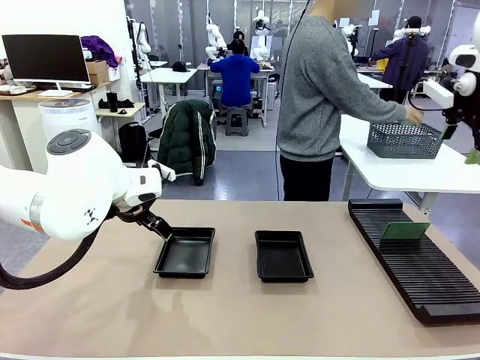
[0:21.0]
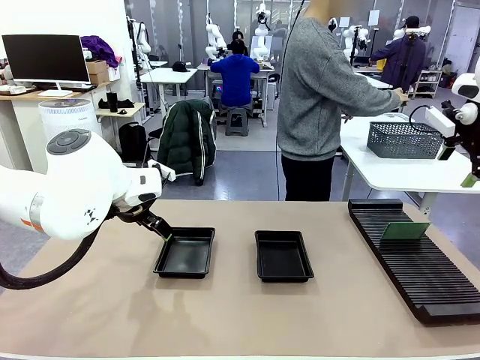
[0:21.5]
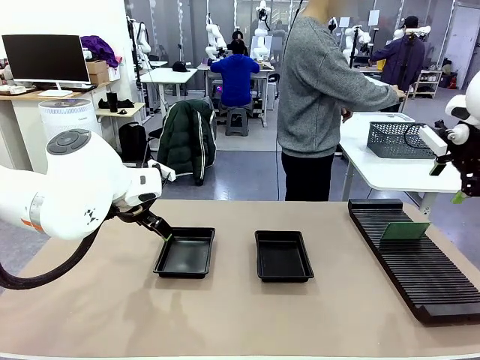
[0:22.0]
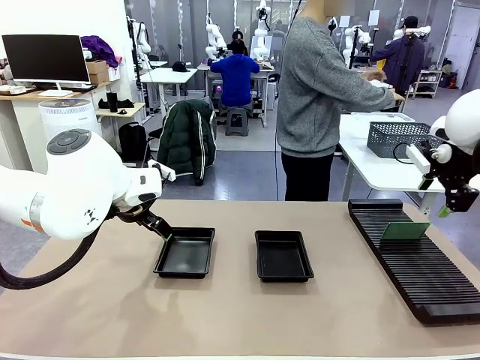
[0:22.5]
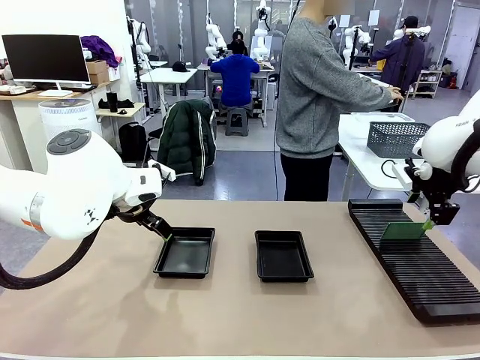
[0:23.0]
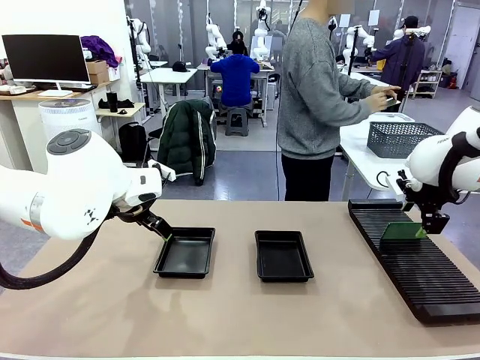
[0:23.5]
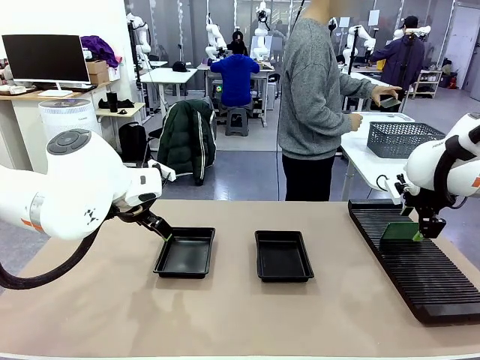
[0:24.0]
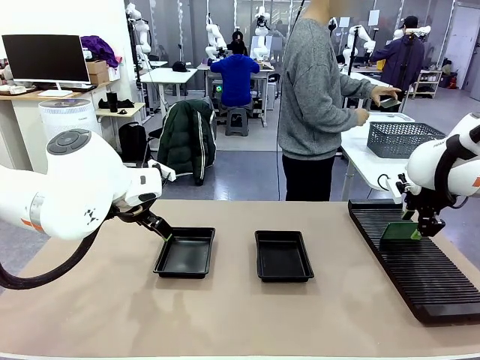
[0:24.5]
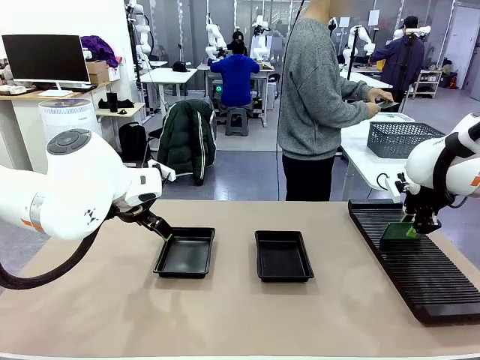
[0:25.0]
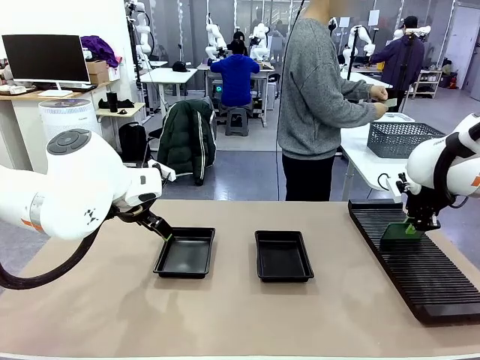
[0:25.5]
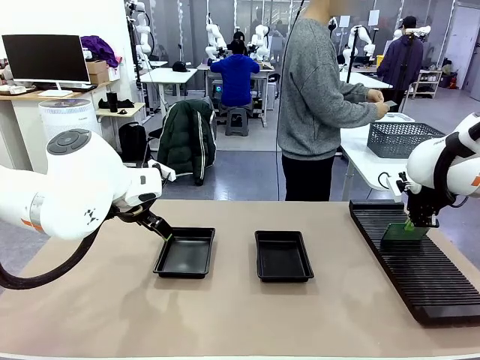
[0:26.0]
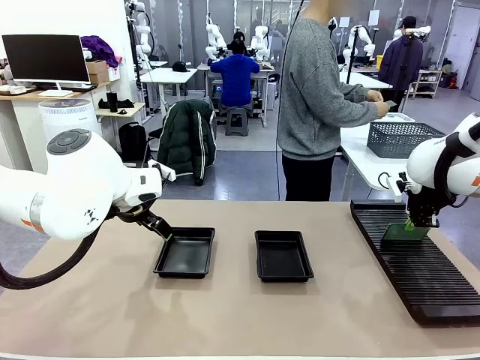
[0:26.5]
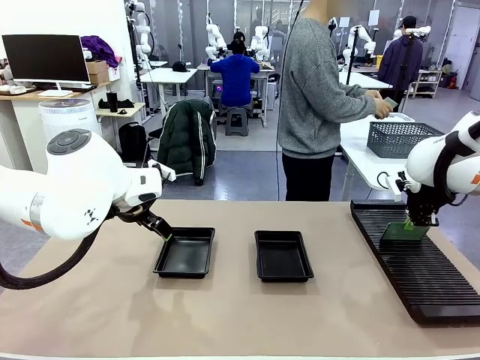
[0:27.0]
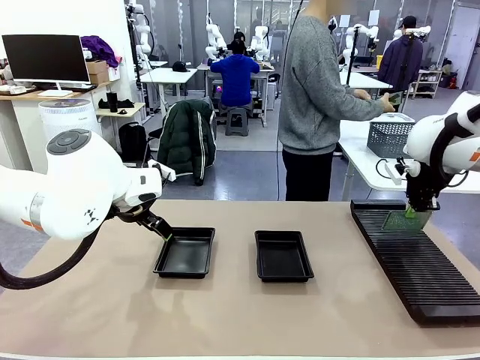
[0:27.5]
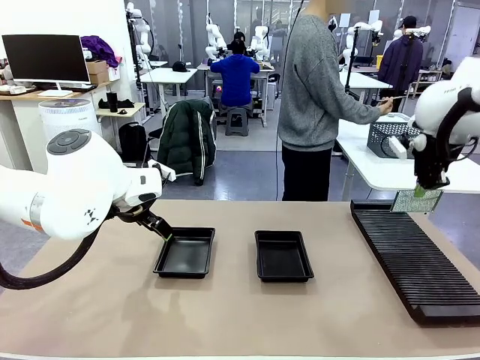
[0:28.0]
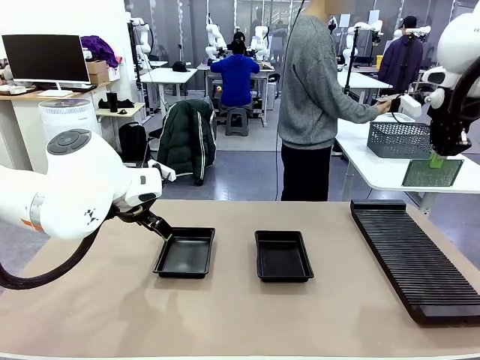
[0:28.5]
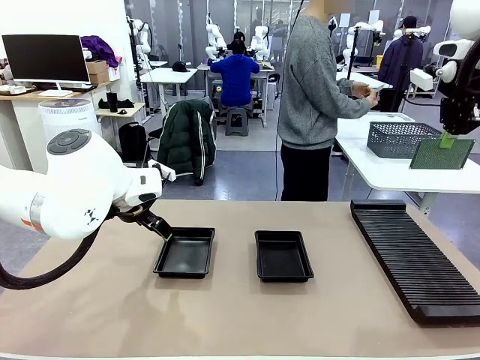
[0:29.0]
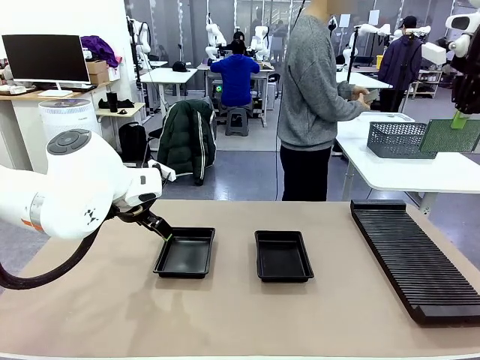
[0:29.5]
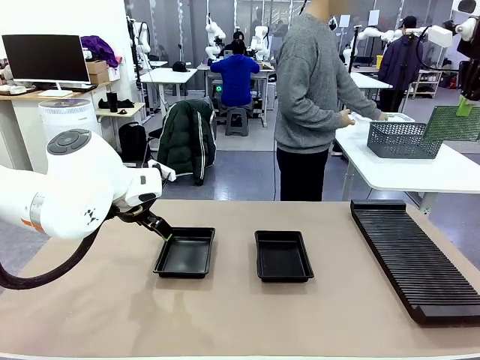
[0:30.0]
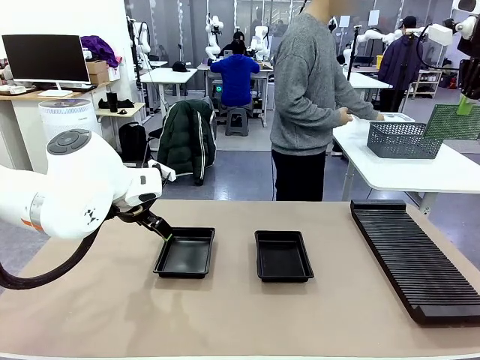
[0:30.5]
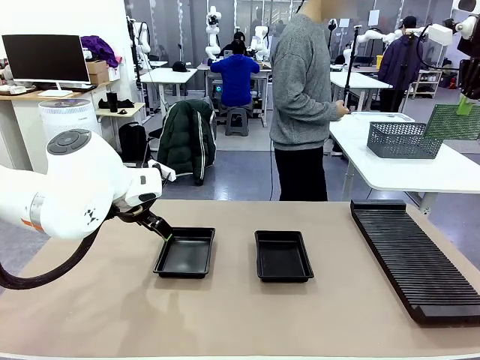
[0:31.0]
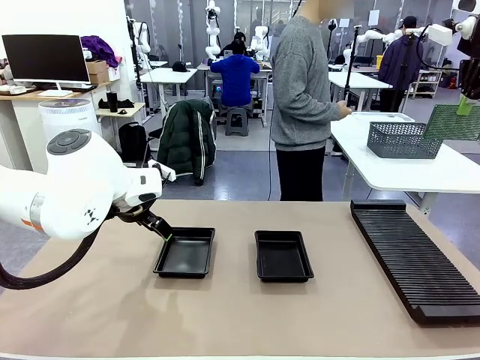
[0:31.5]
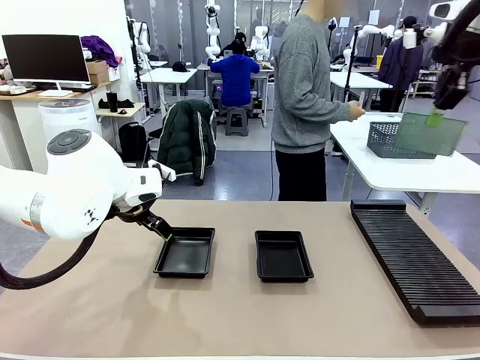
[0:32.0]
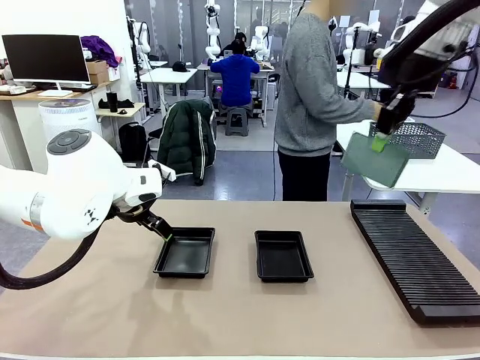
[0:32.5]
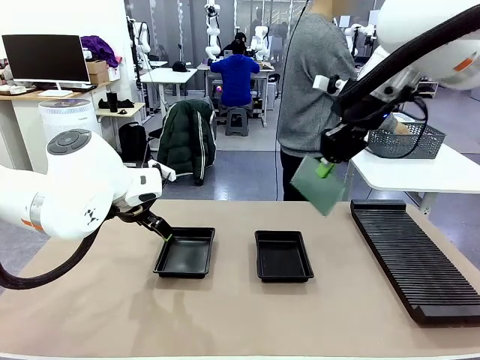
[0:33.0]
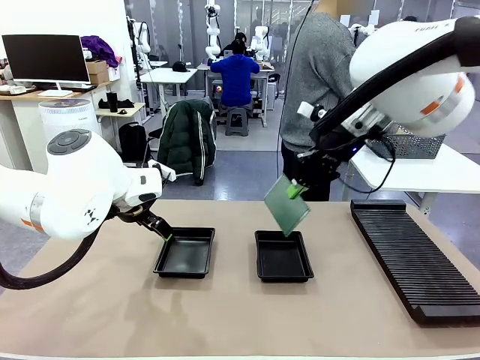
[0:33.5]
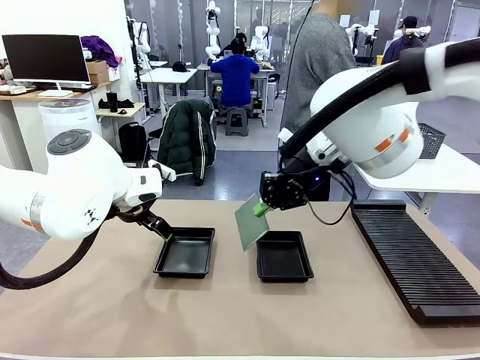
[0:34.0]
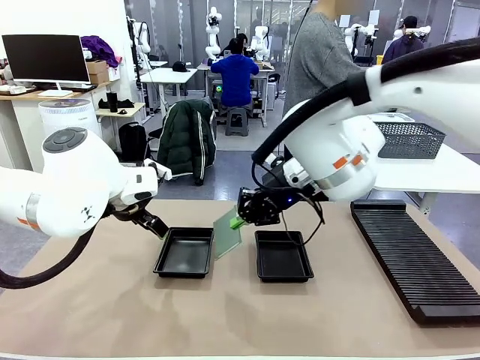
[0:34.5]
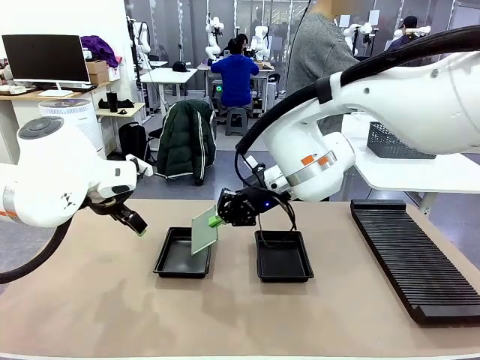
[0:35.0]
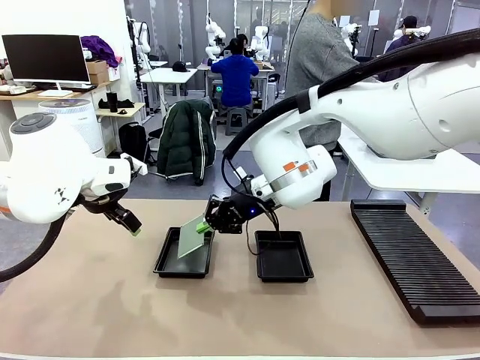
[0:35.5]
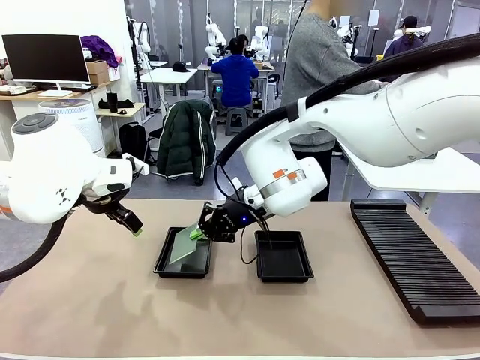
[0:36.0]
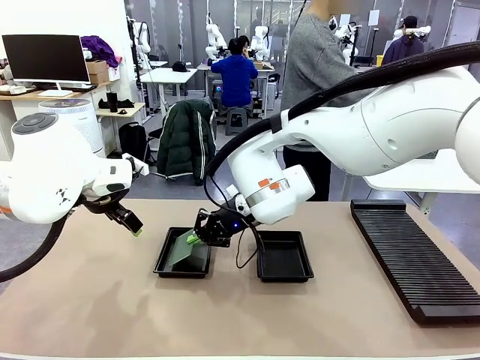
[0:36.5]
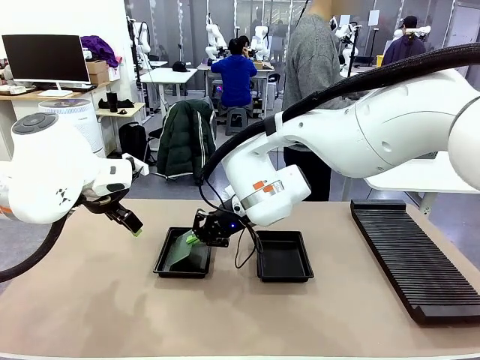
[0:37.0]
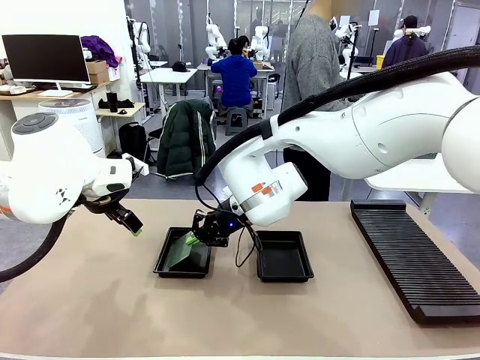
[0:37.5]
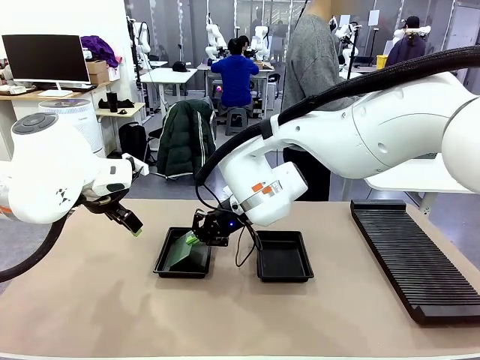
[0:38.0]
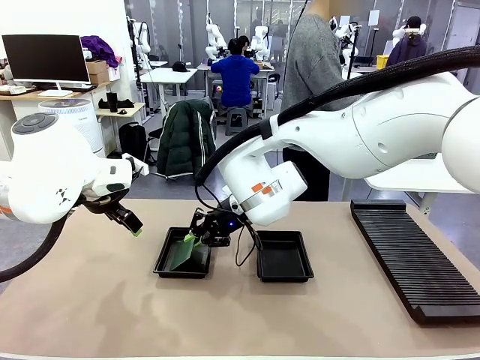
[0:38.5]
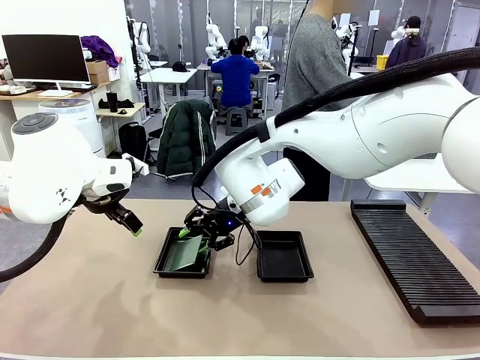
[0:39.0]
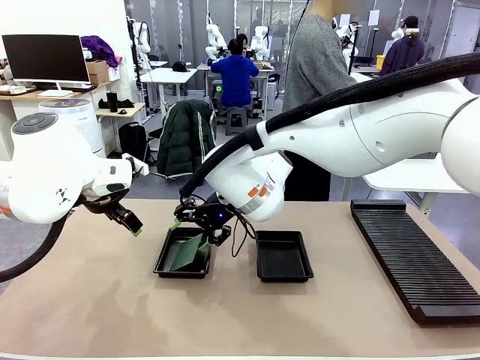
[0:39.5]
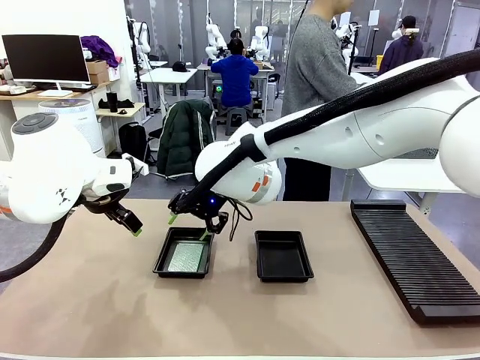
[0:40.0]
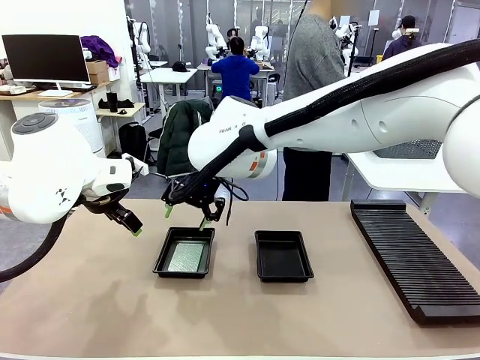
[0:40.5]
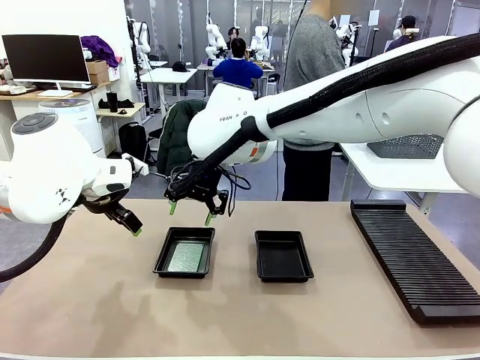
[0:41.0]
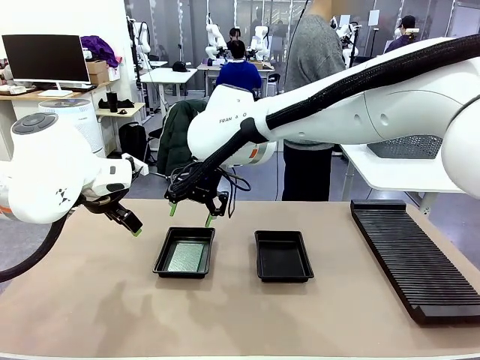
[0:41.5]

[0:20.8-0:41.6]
Task: Inspect and transfer BCBs to ESD trays.
Robot: Pick up the Blank PCB from the PCB Rack and place it in the left ESD tray.

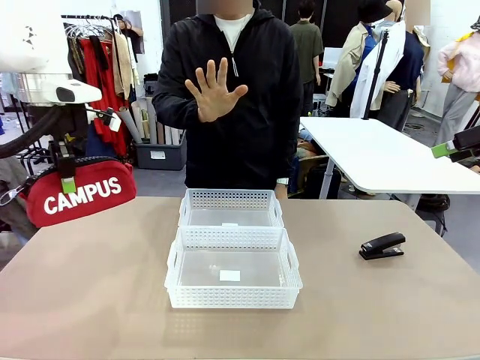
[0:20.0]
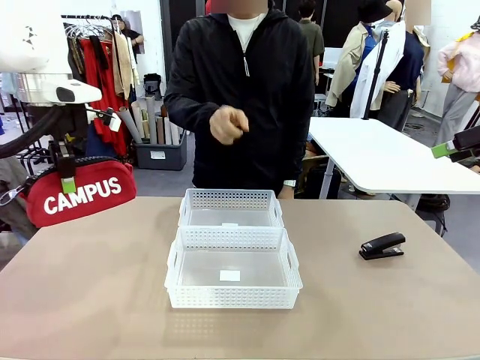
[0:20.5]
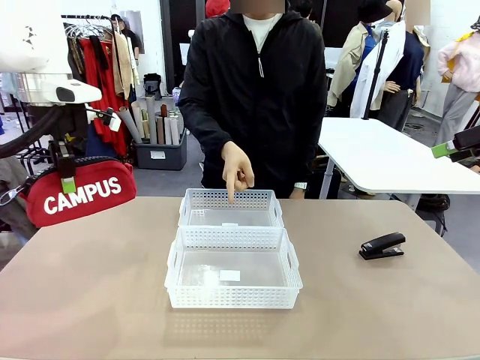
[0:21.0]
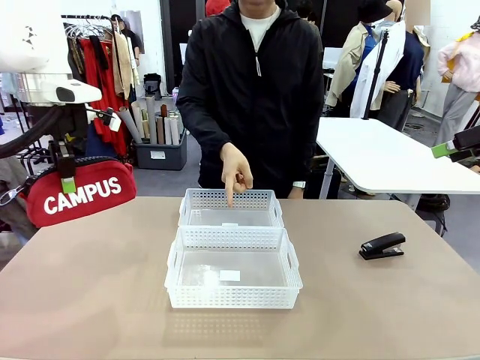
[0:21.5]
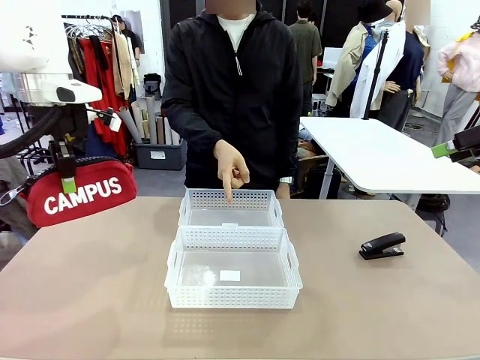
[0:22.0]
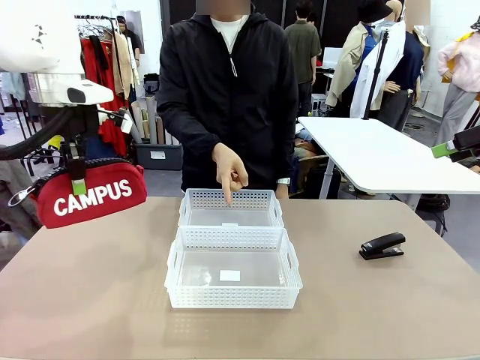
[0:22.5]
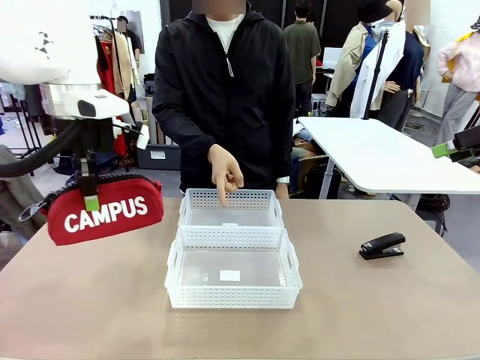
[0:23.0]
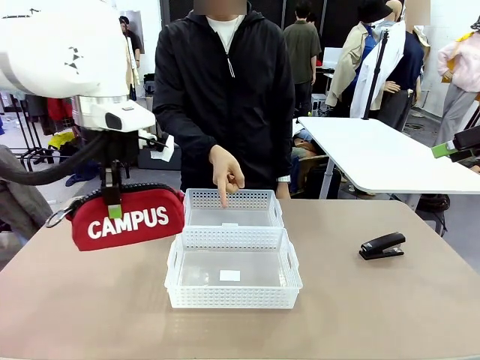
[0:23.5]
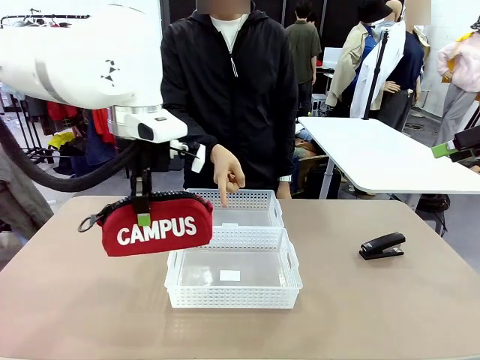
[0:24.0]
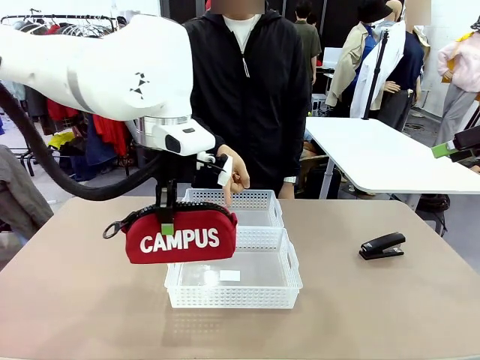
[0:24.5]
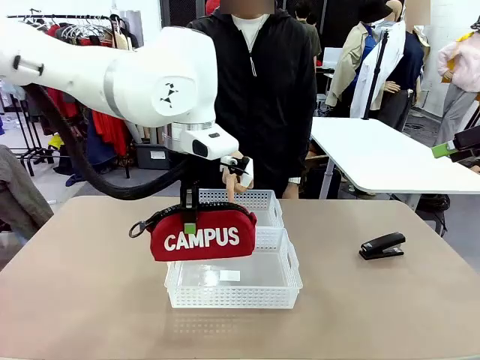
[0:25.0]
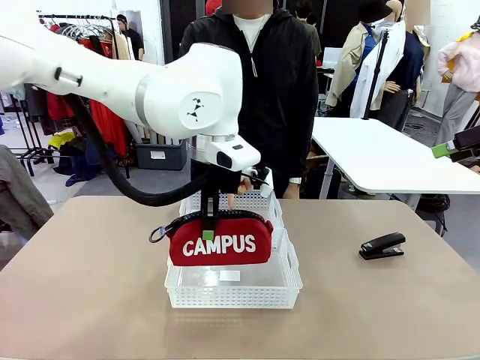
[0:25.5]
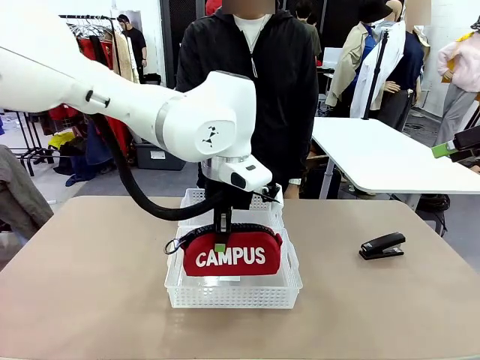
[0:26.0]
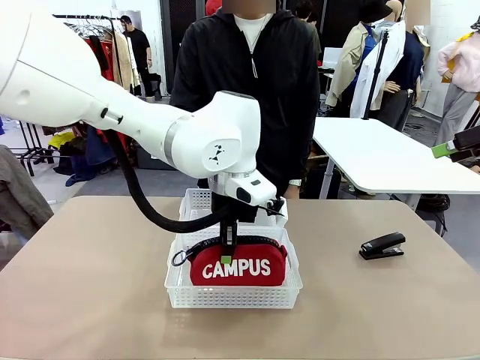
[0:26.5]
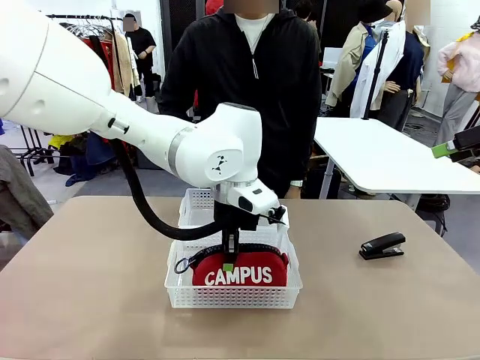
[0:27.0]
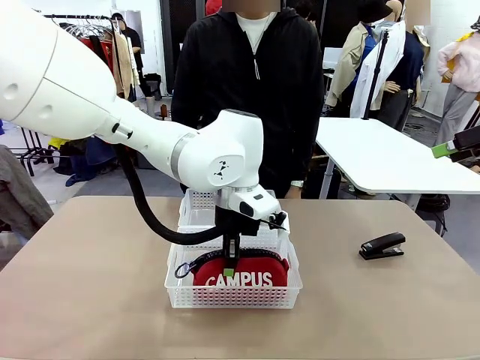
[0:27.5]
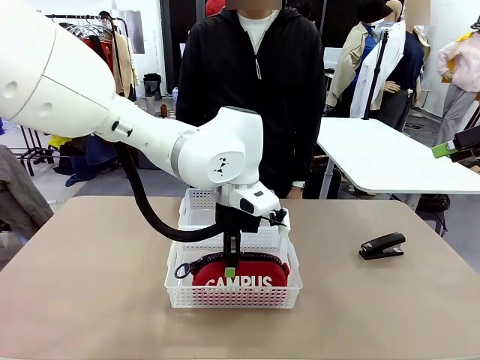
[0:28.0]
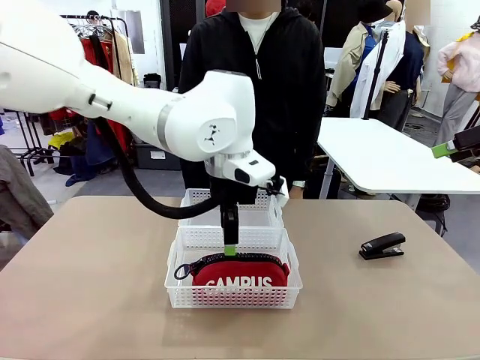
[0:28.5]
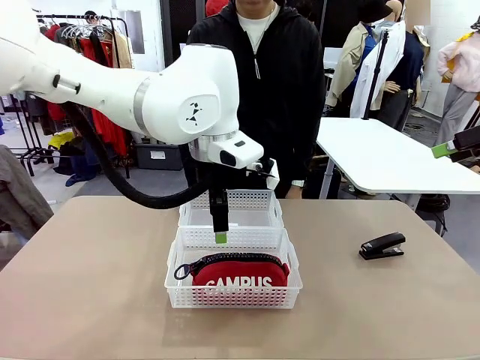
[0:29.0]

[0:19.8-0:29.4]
Task: Distribute items into two baskets.
Robot: Place the picked Pencil pouch into the Organizing basket as instructed by the person.
Person: Instructs the robot to place the pencil case into the opposite basket. Points to the stapler.
